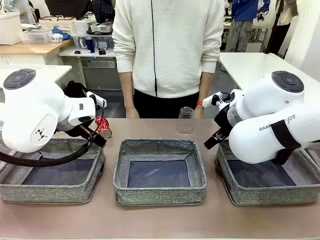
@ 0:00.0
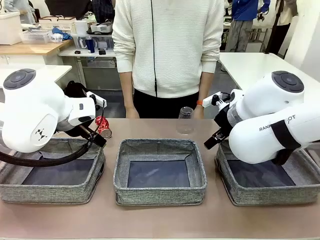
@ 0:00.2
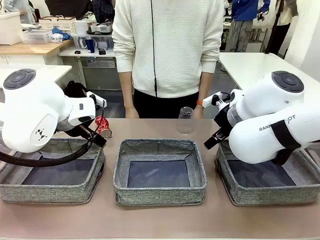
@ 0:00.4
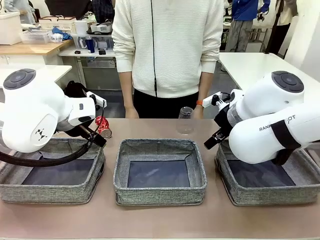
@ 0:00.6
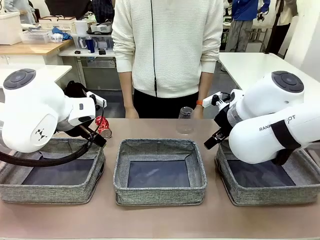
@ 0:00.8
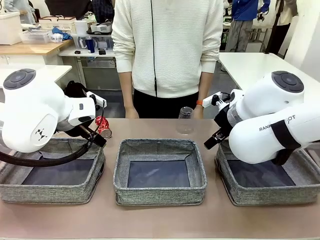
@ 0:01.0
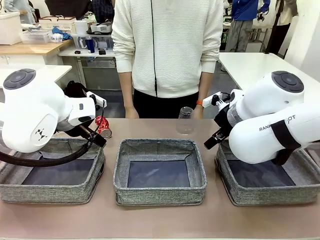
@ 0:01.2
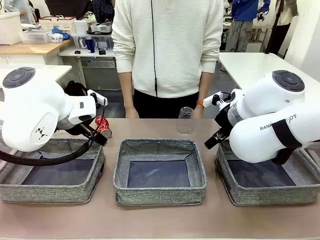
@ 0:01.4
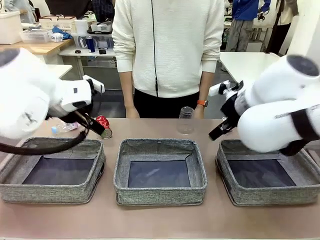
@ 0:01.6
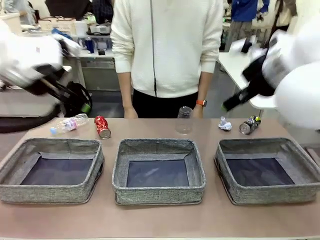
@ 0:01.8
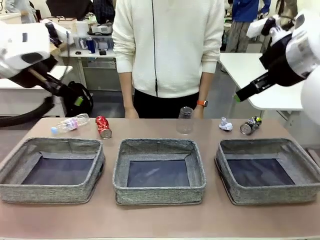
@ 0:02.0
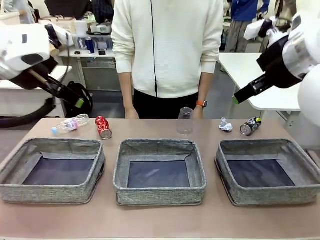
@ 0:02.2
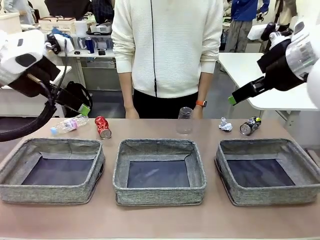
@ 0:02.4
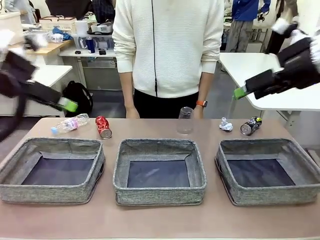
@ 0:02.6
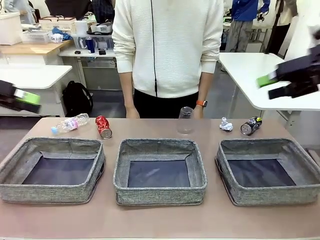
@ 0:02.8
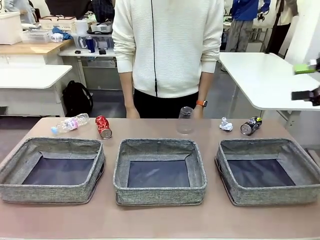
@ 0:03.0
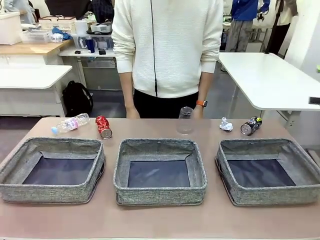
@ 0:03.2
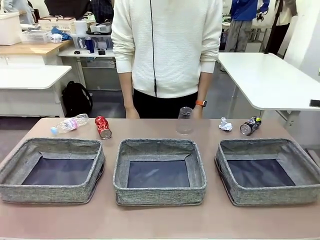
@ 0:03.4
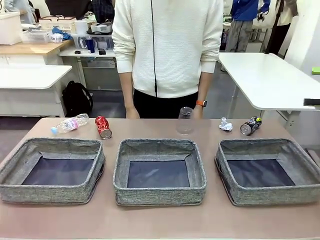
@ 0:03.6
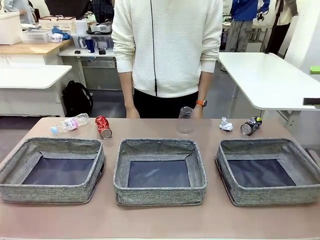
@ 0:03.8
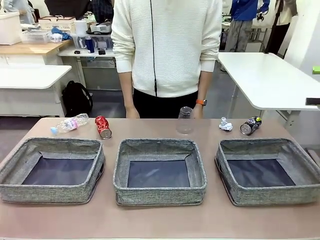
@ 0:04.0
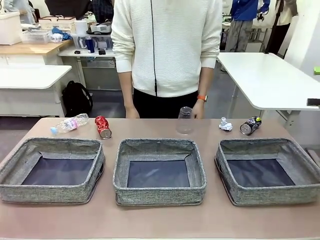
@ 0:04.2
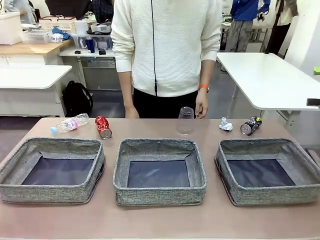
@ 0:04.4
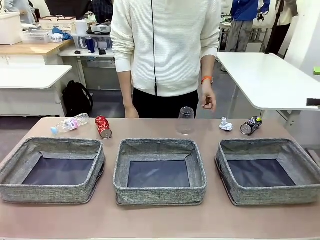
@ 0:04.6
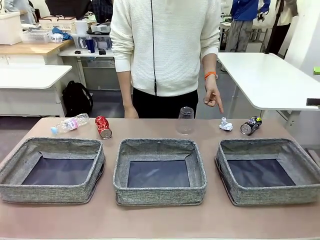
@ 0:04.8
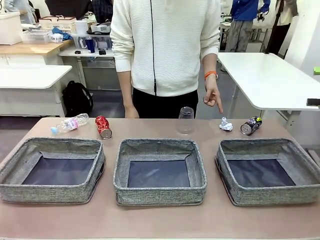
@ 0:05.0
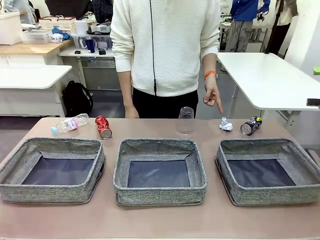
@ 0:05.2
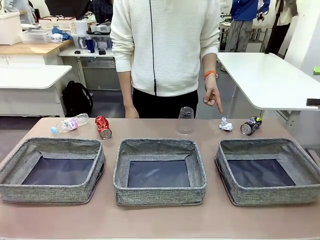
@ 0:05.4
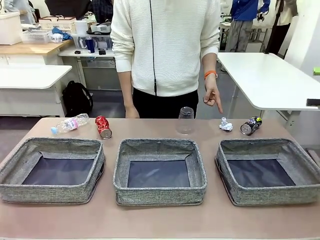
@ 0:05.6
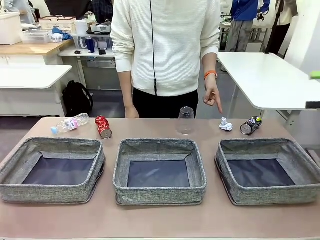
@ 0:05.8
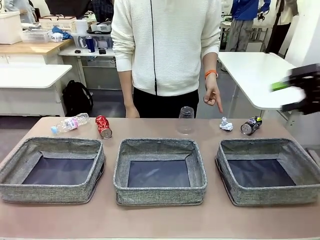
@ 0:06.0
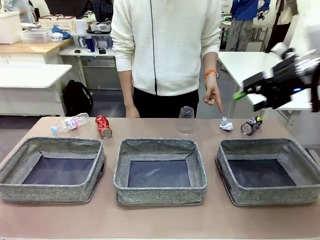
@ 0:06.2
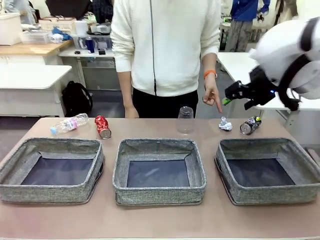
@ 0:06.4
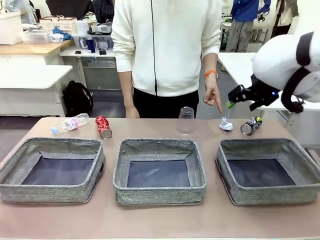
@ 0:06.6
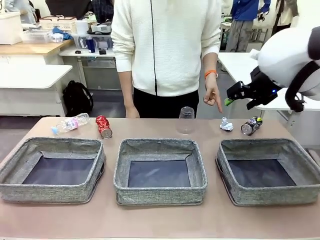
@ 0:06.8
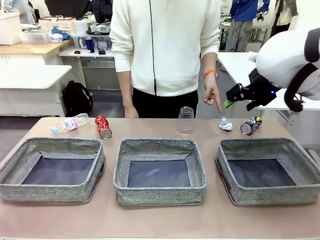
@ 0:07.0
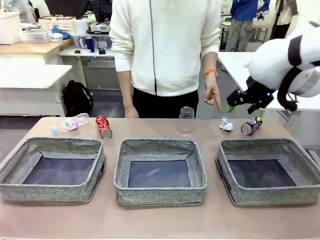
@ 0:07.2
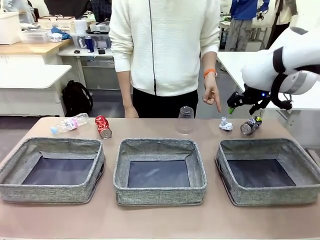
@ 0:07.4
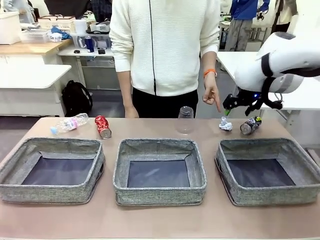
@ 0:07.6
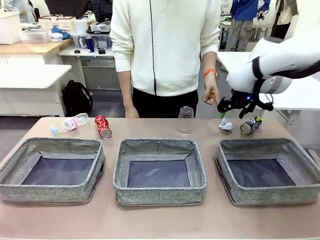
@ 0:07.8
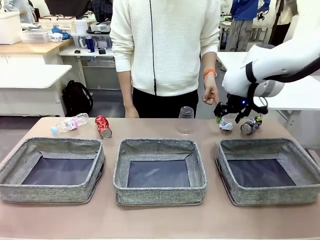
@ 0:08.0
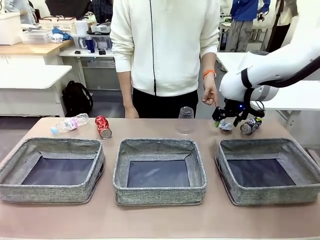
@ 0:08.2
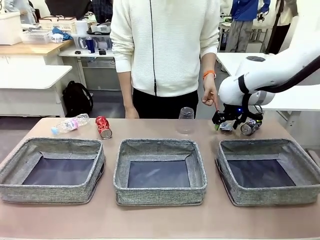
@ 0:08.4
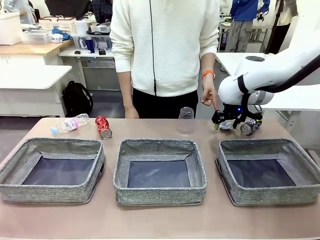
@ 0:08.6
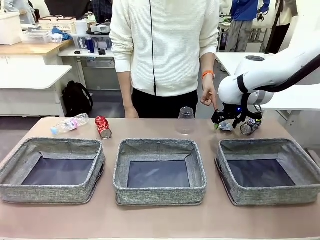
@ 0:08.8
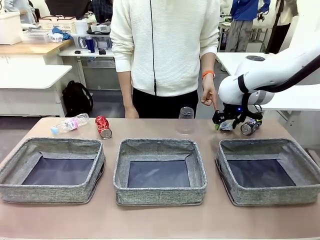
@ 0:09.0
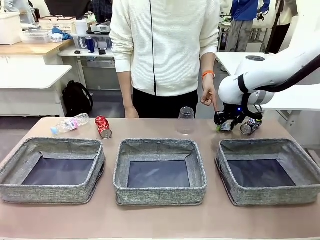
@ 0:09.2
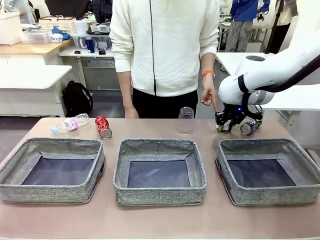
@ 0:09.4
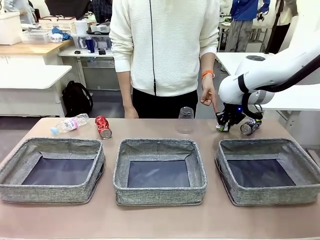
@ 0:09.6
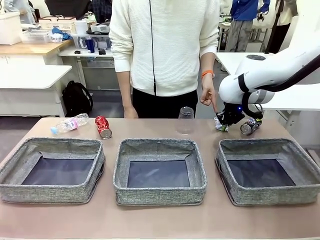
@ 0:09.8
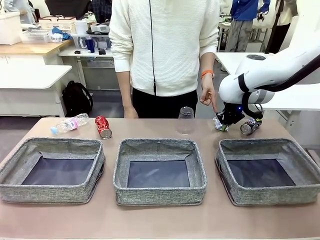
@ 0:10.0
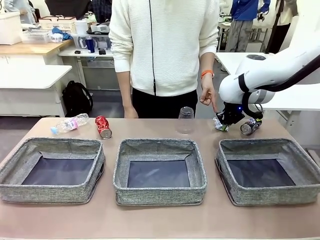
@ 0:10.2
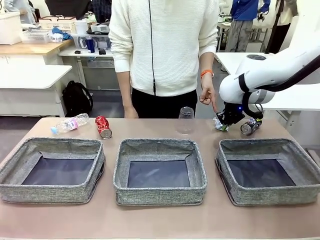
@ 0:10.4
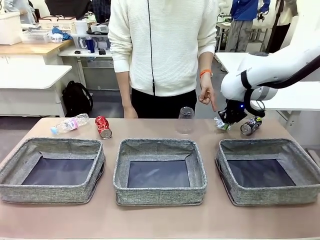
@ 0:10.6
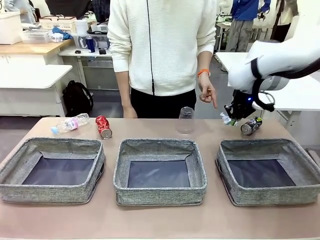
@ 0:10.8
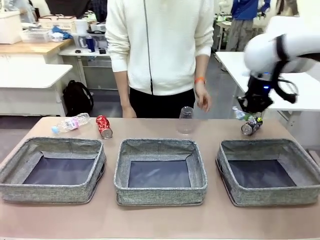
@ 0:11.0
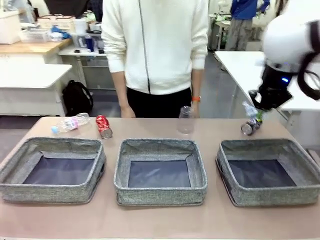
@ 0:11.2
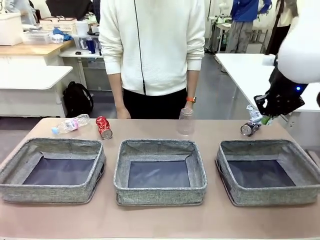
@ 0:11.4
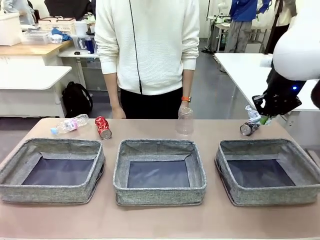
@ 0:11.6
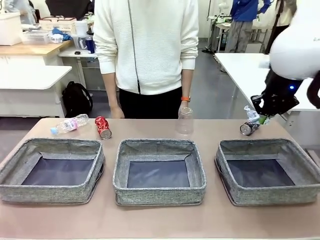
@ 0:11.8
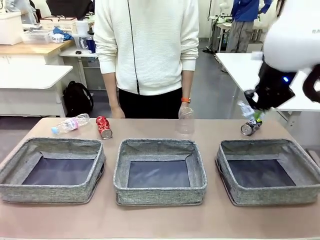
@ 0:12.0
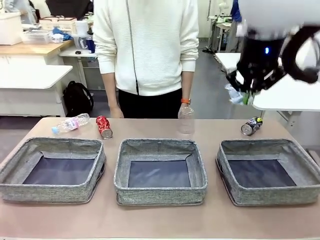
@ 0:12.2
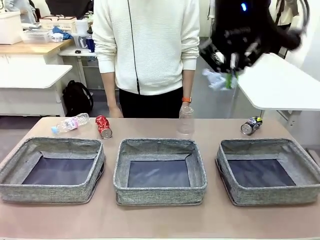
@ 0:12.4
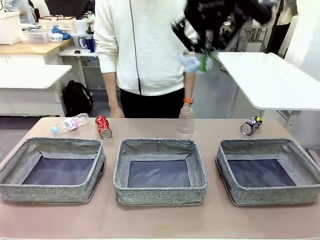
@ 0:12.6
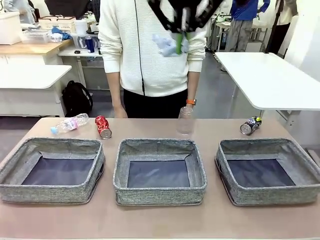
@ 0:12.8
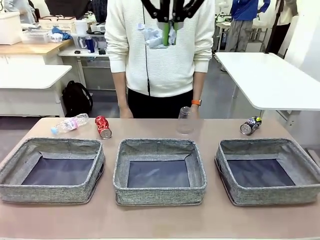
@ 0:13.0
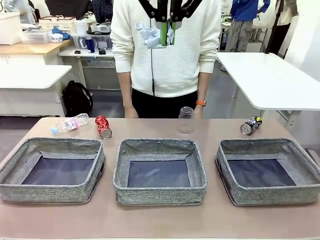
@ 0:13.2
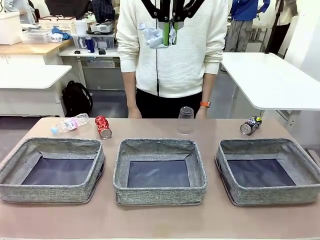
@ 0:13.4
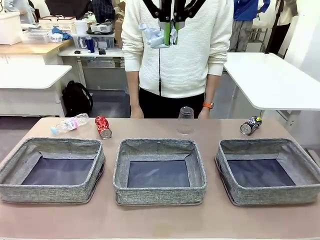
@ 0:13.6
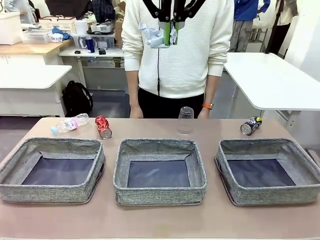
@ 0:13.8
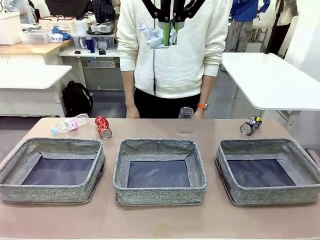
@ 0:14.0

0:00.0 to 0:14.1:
Task: Sort the waste into the appropriate baskets.
Robot: Pick up the waste item pointed out by the person.
Person: Points to one piece of trash on the table.

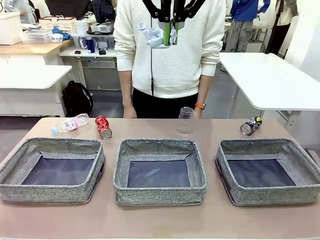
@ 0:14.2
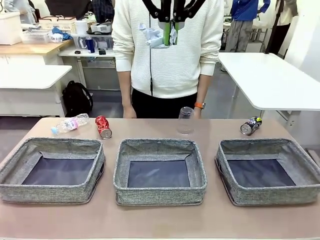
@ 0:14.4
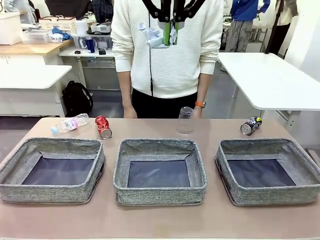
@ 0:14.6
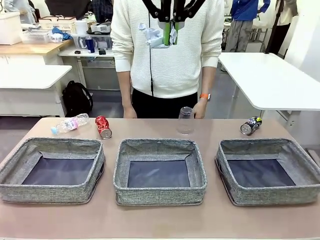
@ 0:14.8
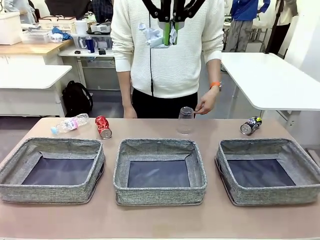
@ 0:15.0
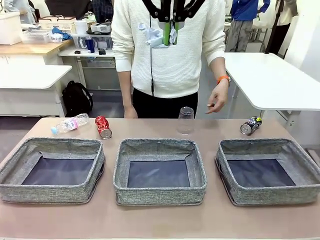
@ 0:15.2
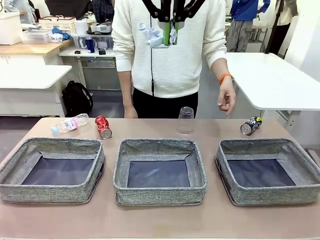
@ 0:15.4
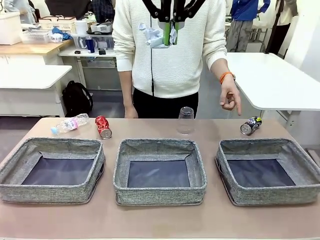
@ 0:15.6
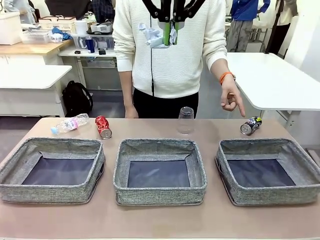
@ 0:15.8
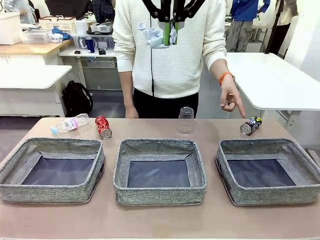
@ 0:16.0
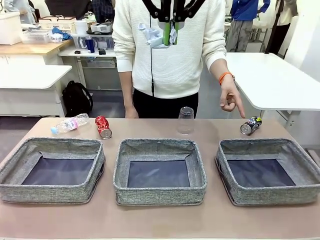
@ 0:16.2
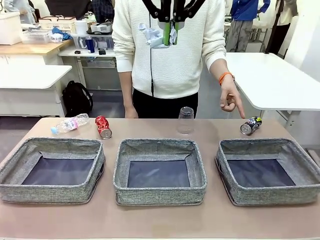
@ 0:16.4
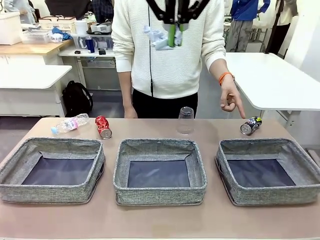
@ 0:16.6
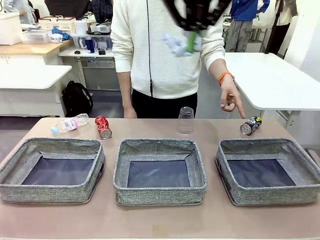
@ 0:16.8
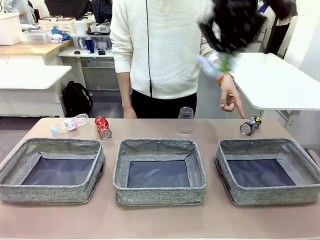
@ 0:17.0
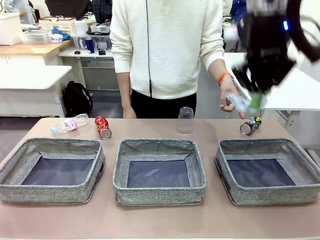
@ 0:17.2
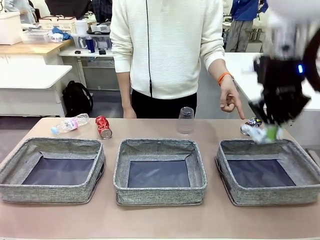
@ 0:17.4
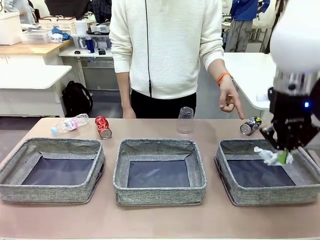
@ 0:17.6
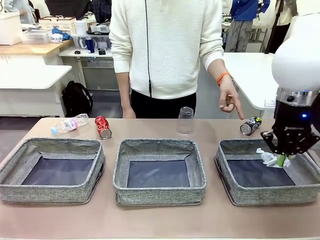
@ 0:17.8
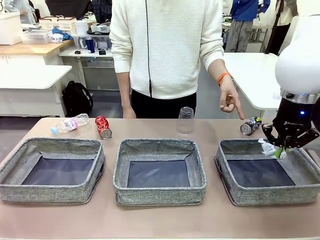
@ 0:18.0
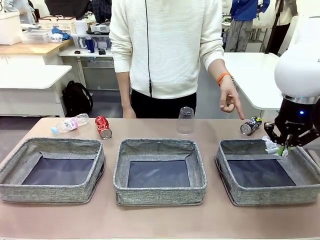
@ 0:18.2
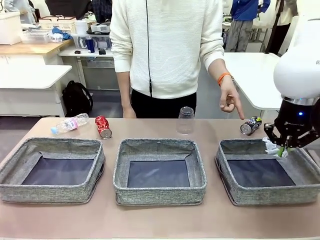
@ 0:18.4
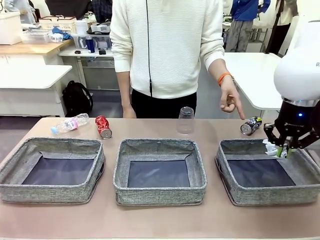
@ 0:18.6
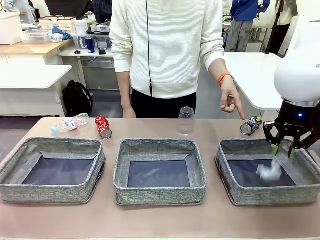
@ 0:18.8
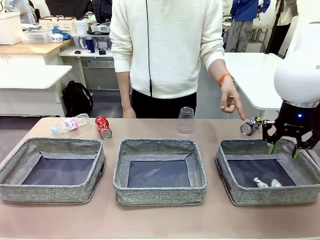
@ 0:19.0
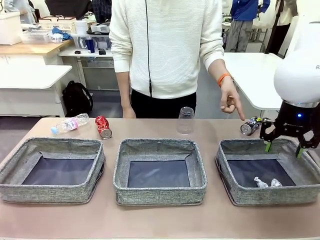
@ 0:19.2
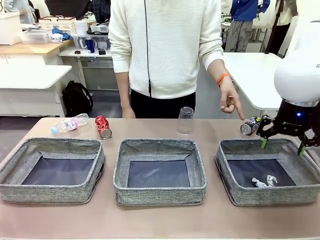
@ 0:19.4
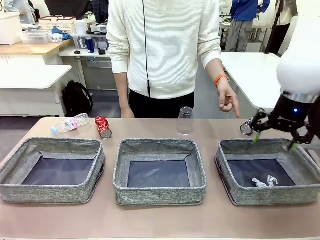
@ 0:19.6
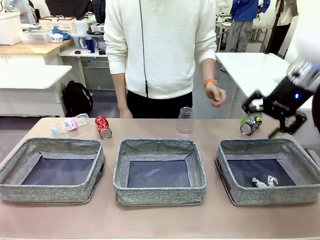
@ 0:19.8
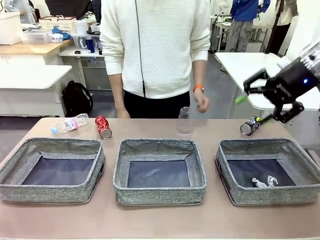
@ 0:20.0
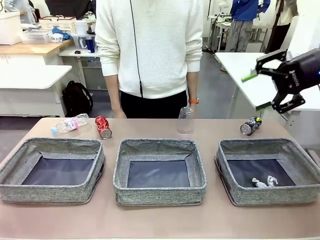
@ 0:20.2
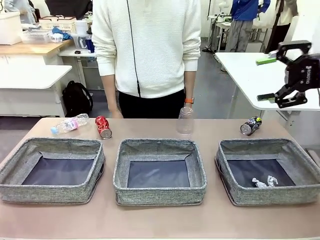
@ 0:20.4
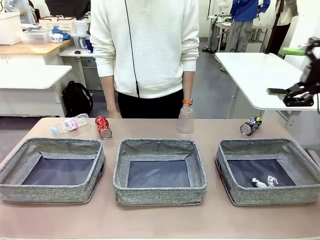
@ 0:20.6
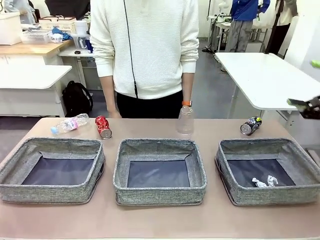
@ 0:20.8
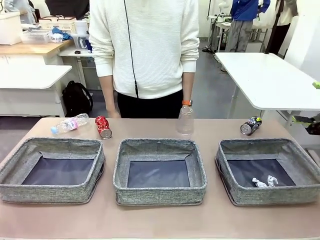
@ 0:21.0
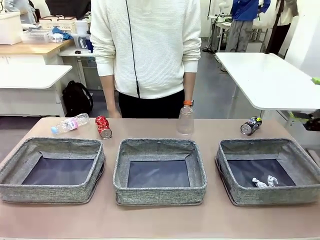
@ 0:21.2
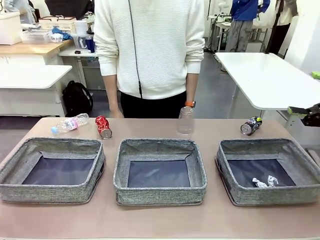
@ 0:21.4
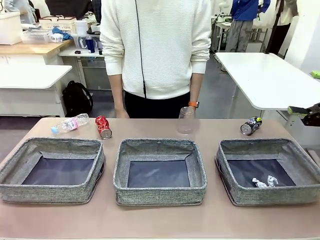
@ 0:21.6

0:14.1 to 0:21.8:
Robot: Place the picked waste into the Fabric basket indicated by the person.
Person: Instructs the robot to place the picked-up trash into the appropriate organizing basket.
